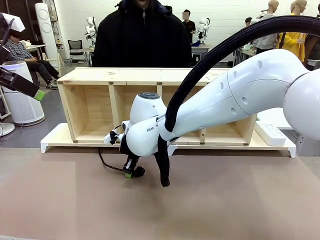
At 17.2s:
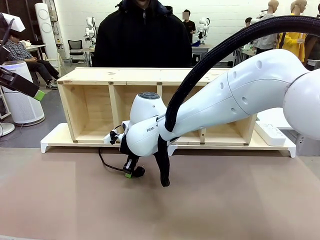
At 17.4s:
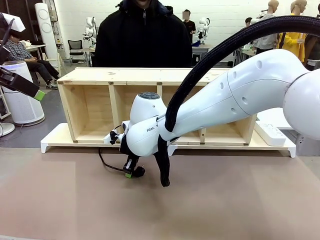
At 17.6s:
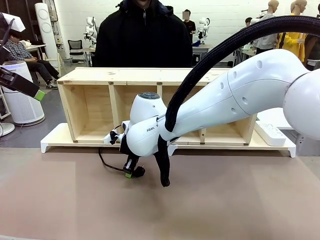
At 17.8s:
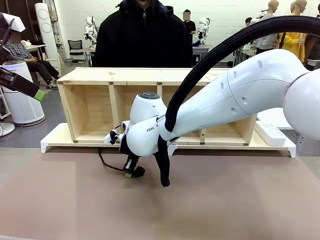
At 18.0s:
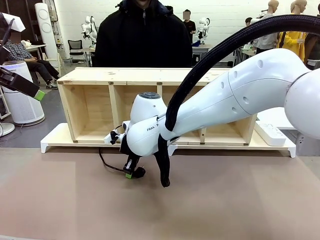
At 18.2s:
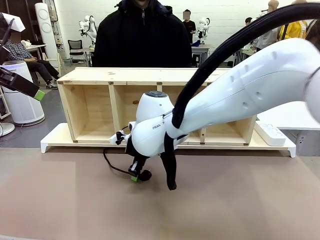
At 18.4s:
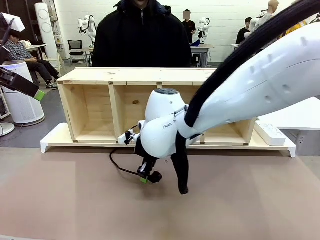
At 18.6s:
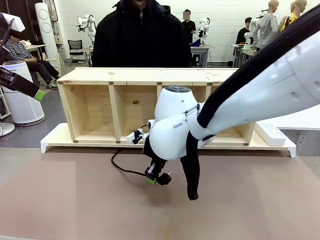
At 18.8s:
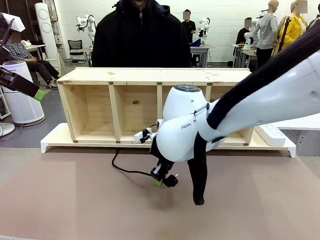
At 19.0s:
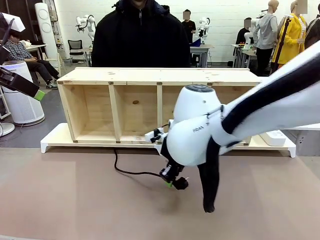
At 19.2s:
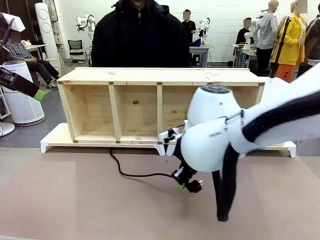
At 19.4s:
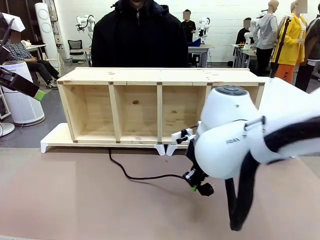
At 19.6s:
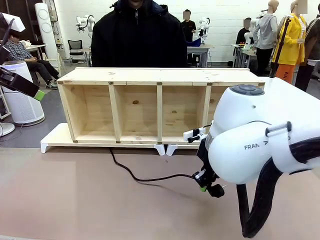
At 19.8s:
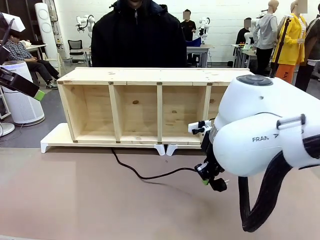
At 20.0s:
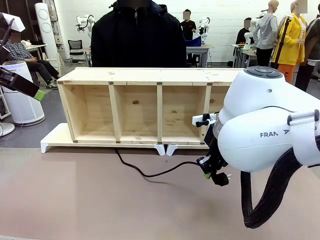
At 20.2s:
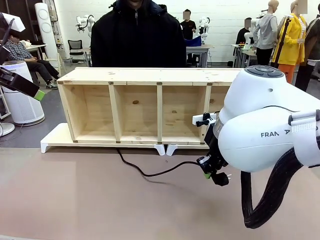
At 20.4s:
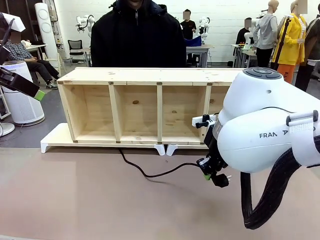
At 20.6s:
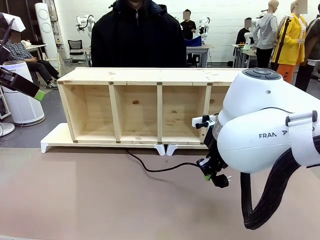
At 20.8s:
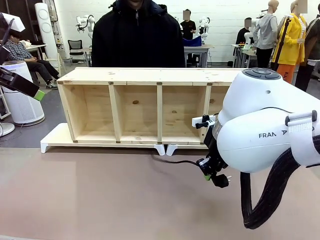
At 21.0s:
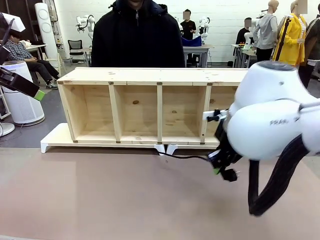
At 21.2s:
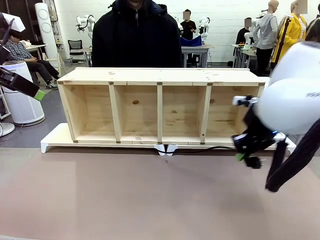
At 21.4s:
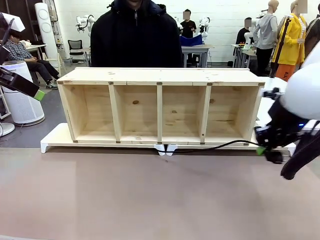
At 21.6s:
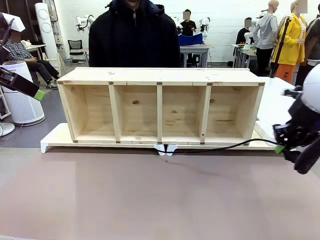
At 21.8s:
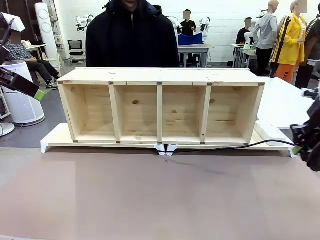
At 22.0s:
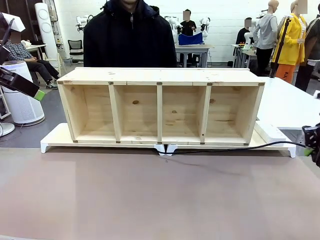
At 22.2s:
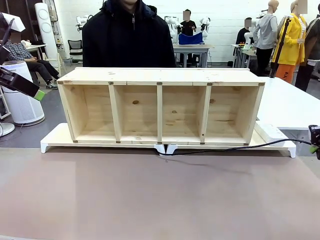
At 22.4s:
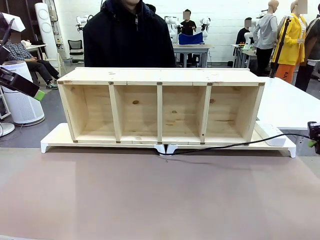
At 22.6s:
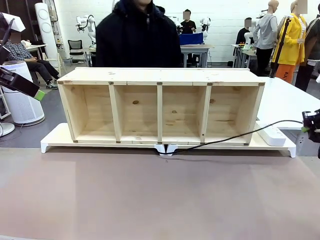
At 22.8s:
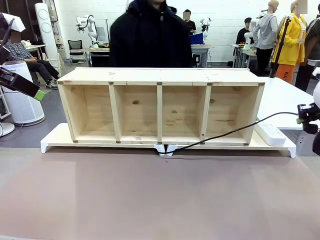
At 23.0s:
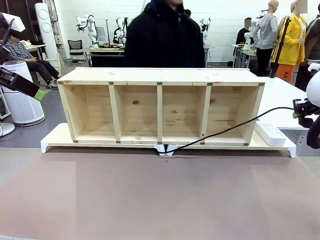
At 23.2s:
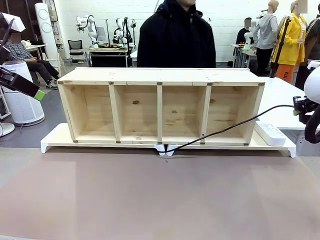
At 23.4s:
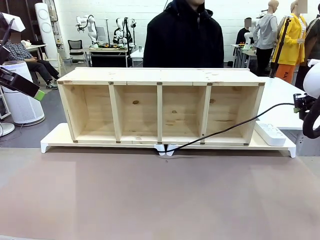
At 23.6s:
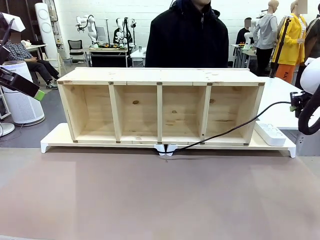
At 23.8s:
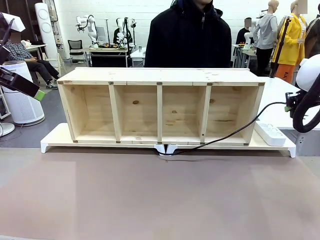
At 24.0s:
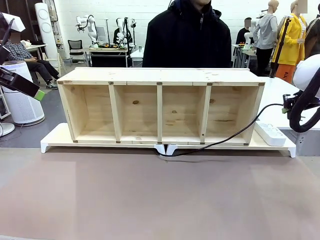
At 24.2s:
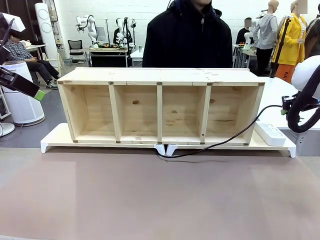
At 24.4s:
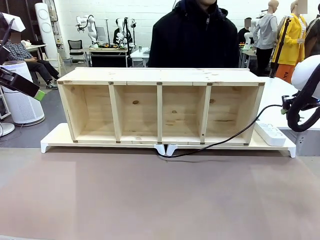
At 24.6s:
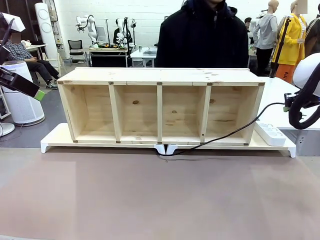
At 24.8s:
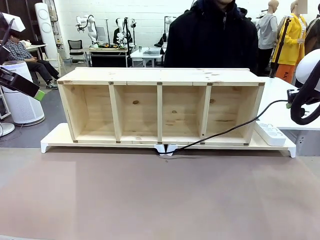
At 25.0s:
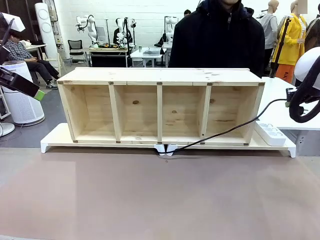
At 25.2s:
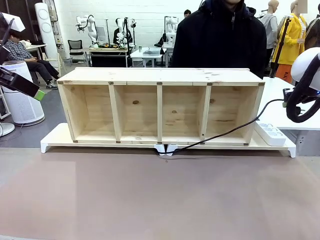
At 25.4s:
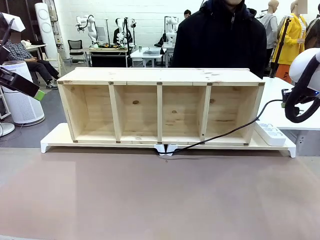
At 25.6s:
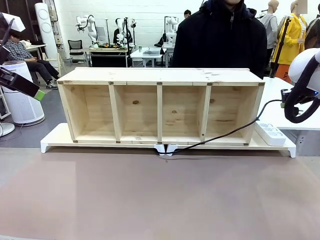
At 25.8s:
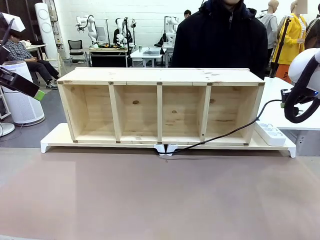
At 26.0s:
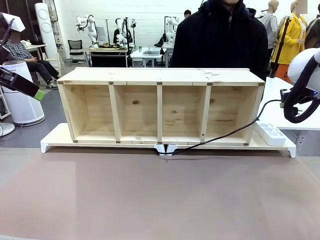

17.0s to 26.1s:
Task: Perform cable management.
Robot: Pull the grasped Power Cable to the location of the Power Strip.

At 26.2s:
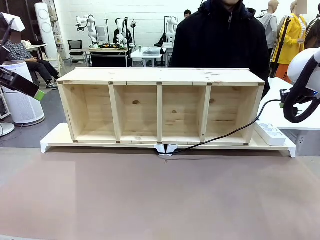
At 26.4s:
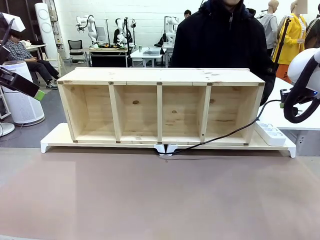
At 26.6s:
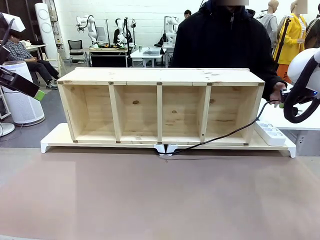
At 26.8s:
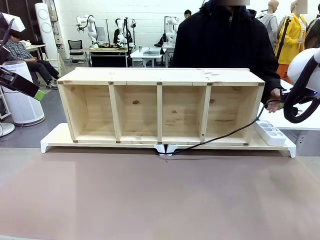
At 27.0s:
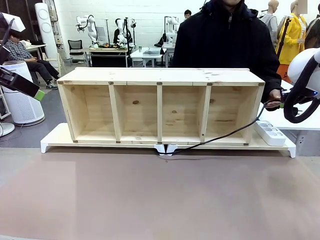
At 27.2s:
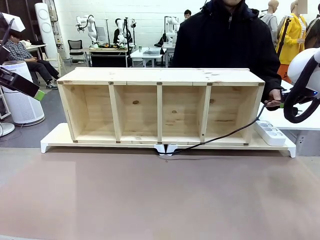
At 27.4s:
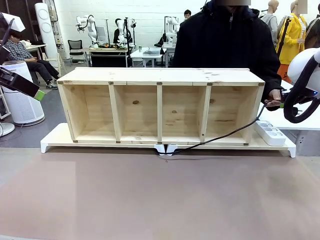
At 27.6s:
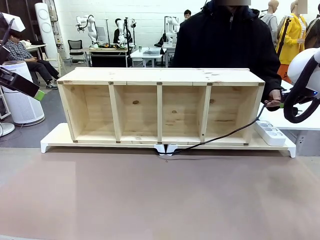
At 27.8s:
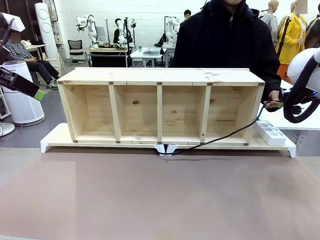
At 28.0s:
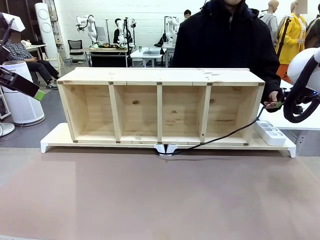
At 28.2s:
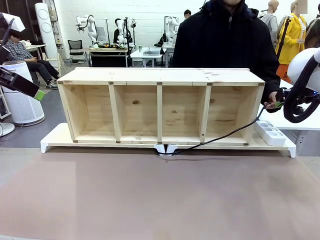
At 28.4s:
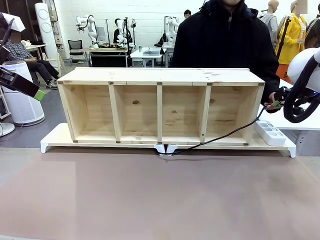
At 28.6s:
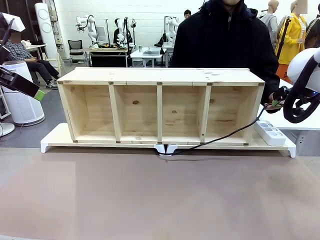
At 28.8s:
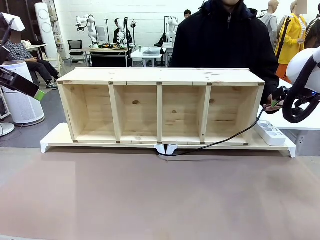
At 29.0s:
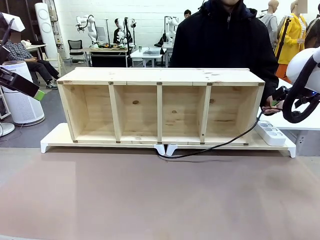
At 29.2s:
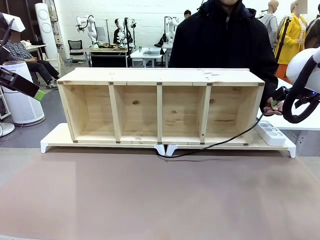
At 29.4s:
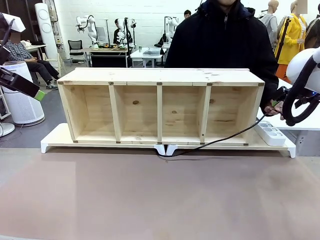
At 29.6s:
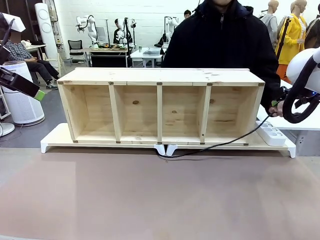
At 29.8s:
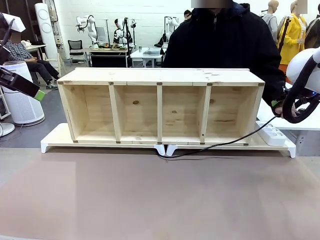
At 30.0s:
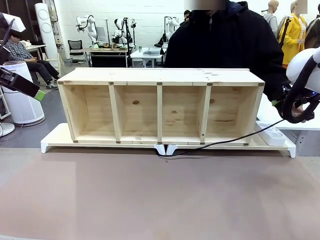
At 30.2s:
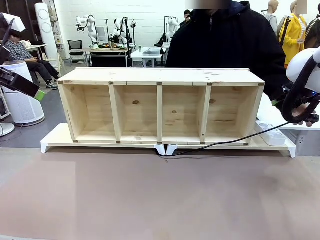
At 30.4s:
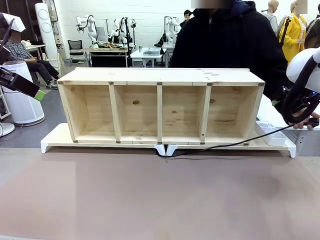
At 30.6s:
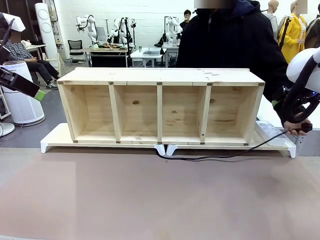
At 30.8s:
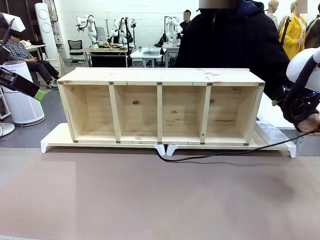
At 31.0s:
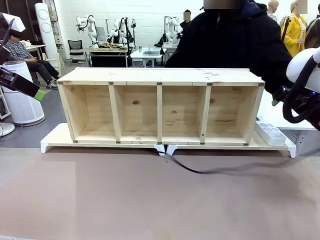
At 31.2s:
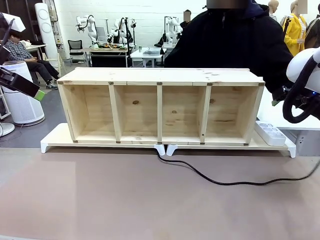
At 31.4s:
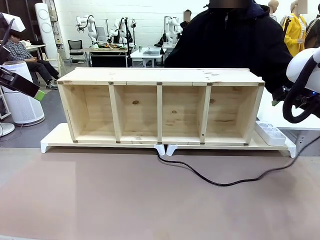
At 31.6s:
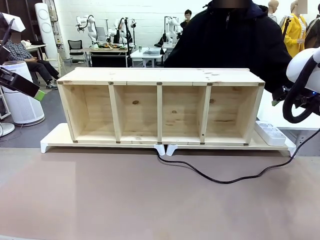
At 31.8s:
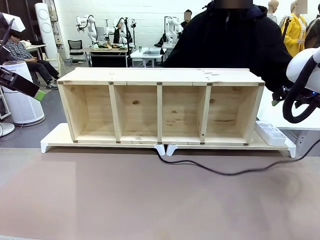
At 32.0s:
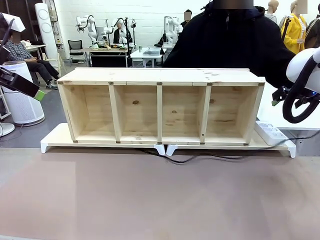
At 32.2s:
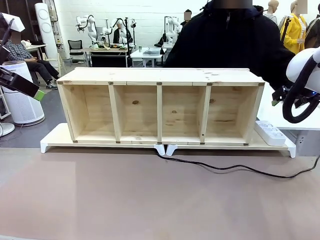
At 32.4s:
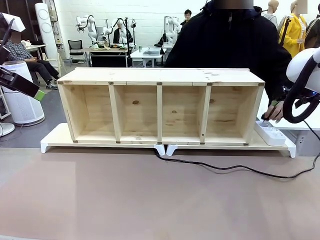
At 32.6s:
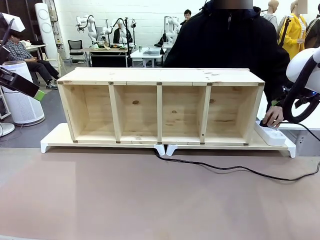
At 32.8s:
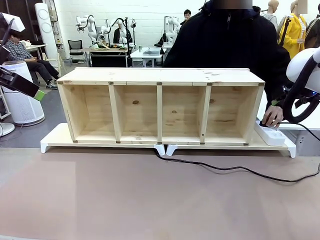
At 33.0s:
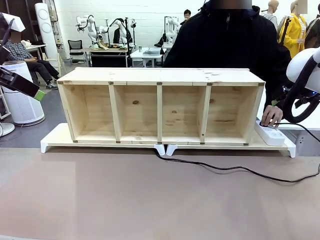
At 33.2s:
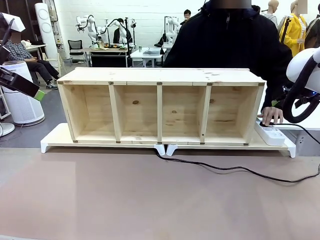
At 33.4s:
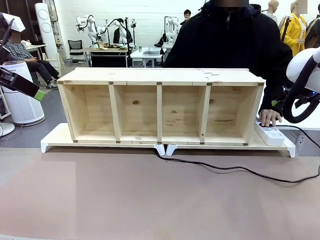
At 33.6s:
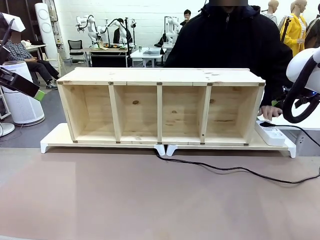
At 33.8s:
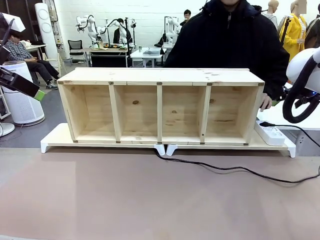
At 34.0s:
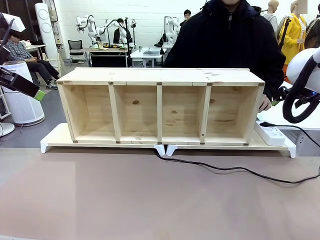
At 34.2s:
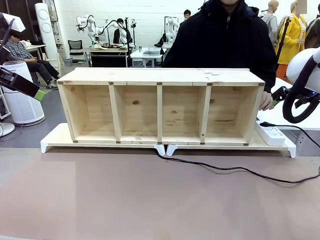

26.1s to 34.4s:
Robot: Release the Power Cable when the human grasps it.
Person: Plug the Power Cable into the Power Strip.
